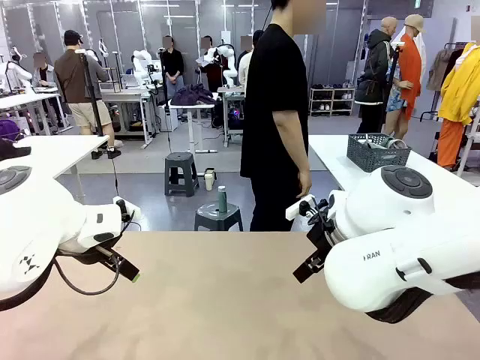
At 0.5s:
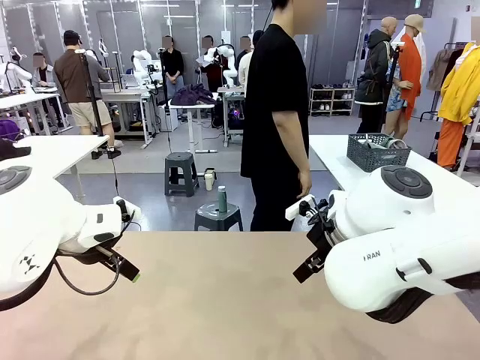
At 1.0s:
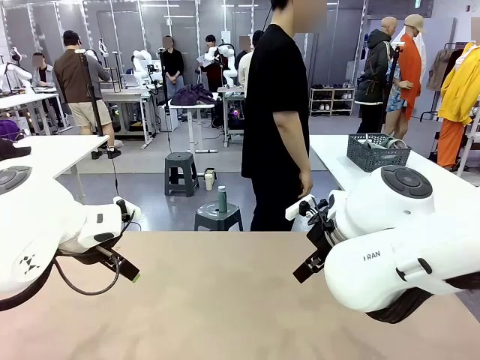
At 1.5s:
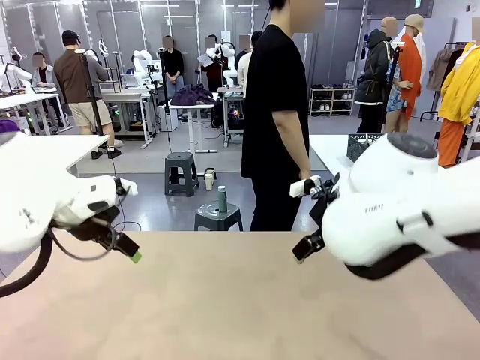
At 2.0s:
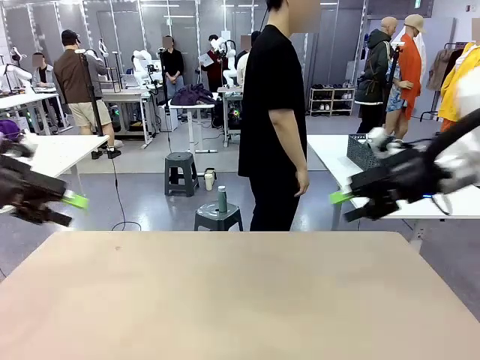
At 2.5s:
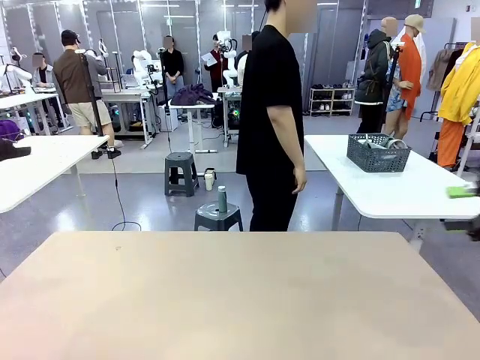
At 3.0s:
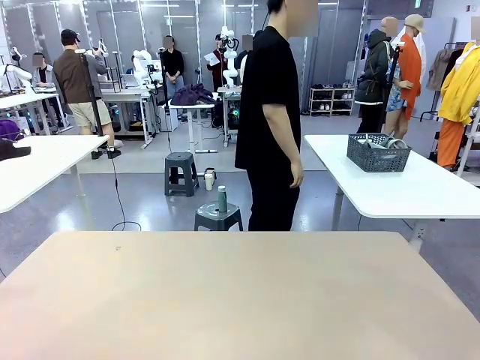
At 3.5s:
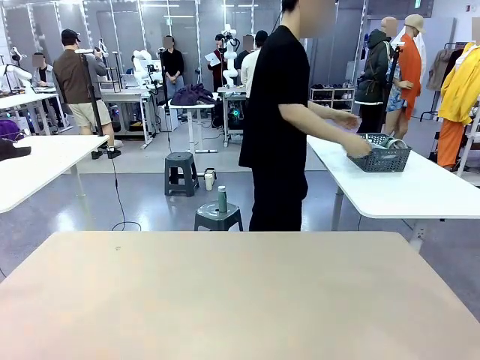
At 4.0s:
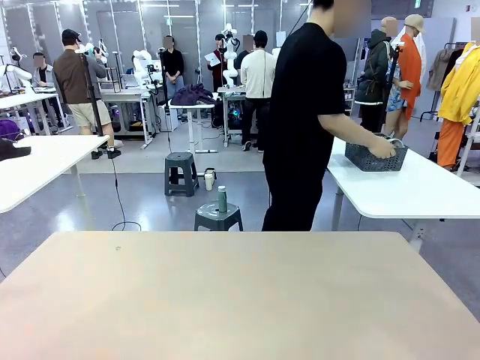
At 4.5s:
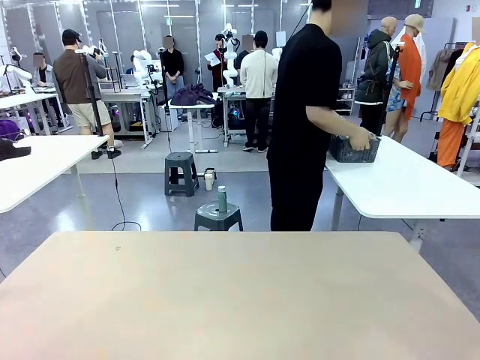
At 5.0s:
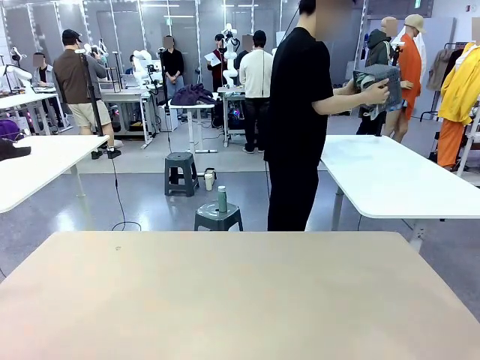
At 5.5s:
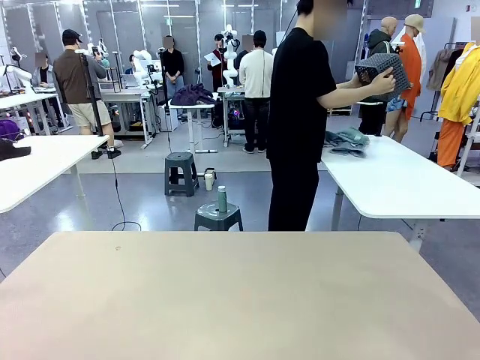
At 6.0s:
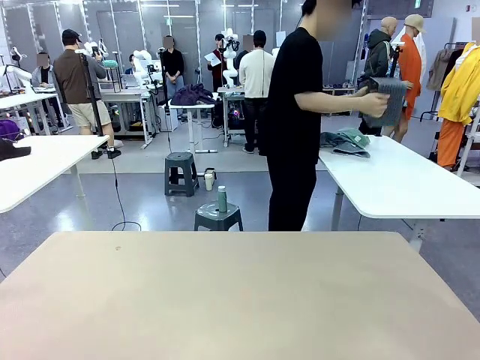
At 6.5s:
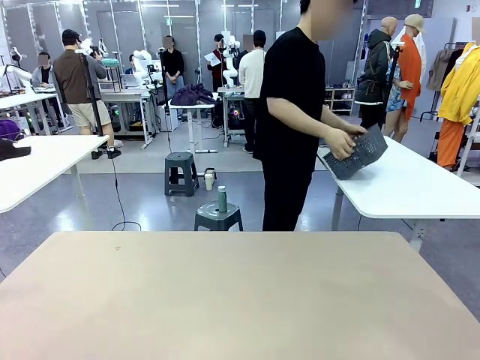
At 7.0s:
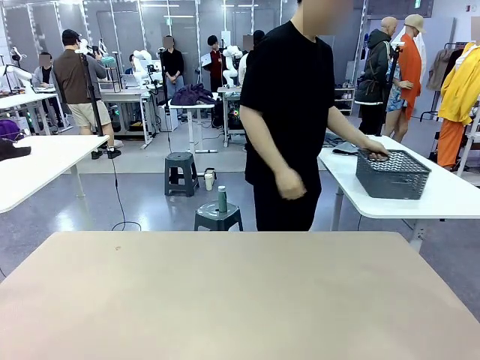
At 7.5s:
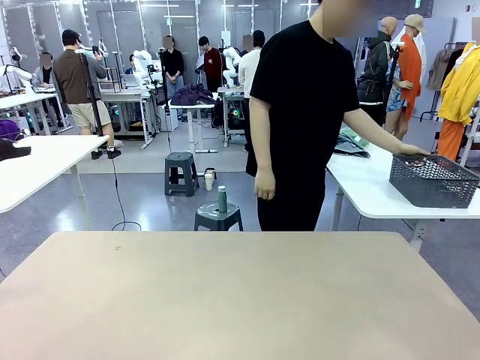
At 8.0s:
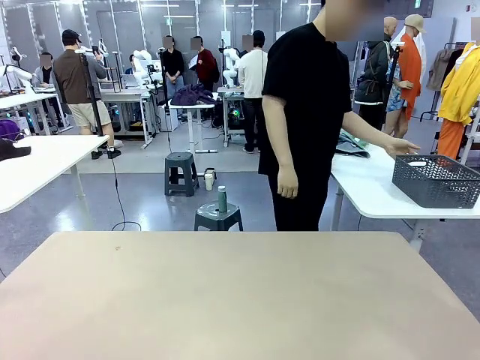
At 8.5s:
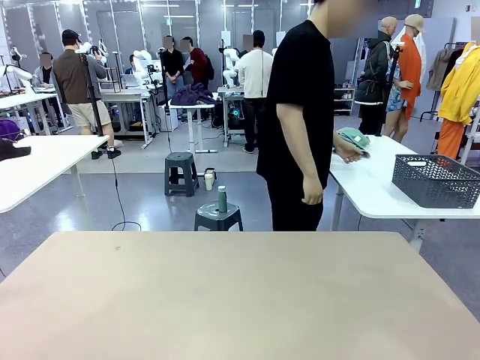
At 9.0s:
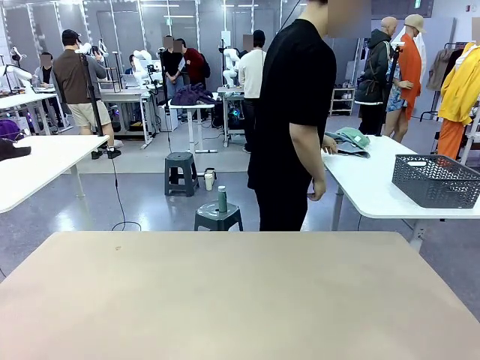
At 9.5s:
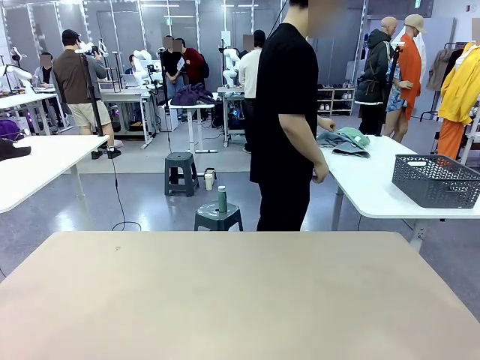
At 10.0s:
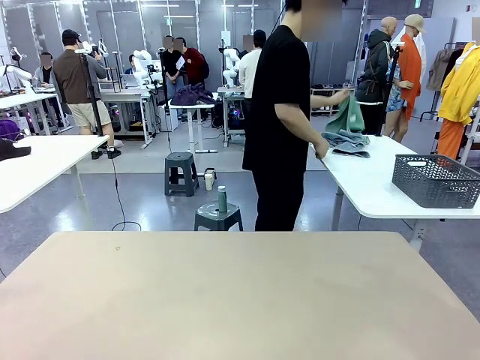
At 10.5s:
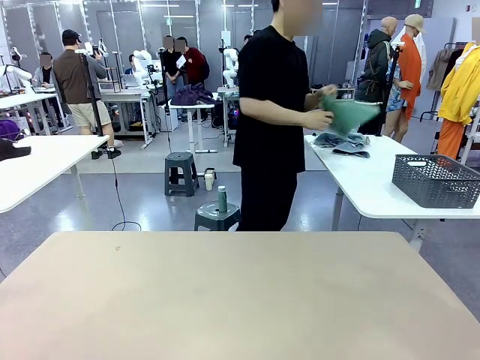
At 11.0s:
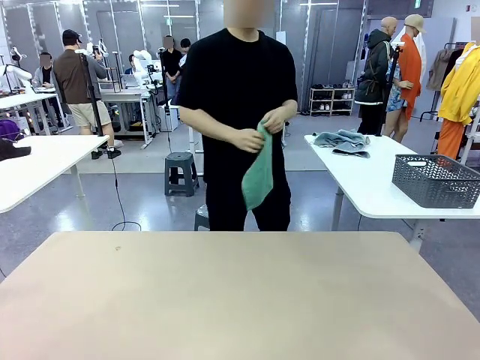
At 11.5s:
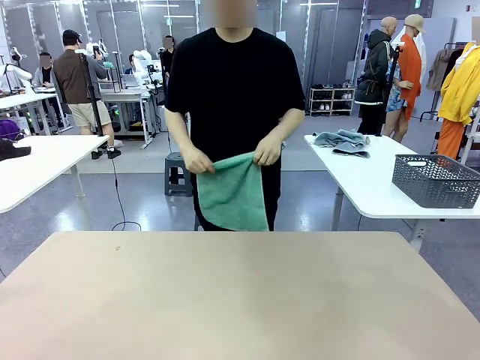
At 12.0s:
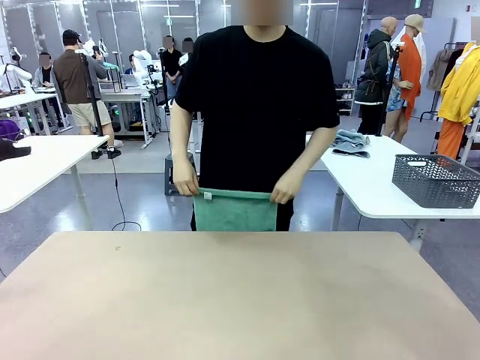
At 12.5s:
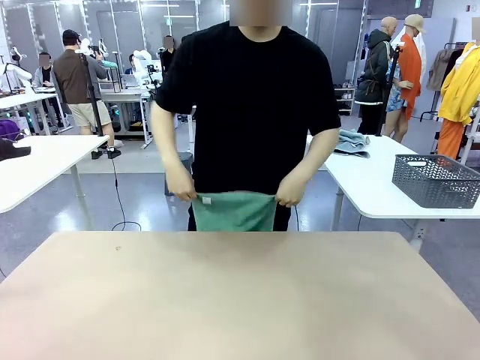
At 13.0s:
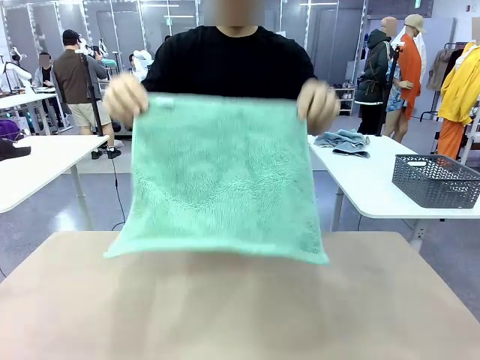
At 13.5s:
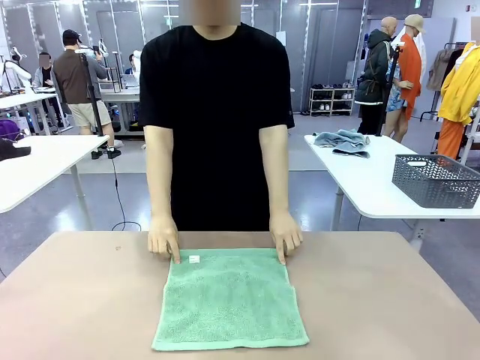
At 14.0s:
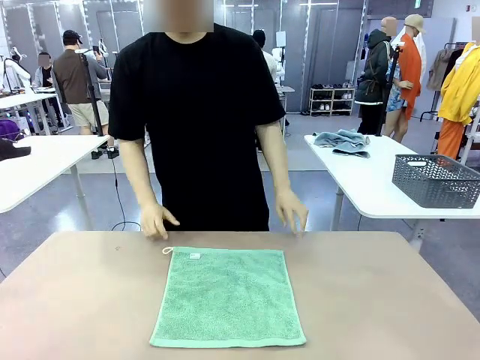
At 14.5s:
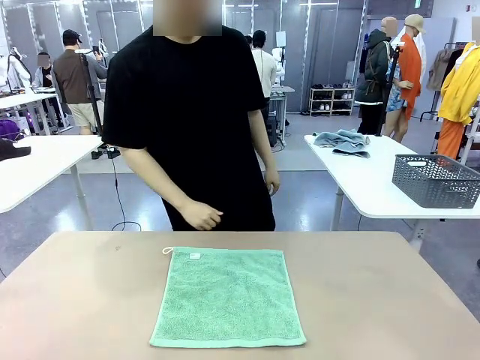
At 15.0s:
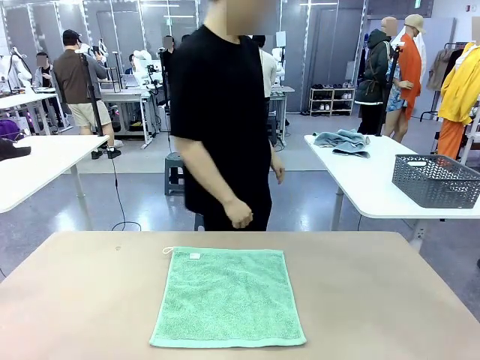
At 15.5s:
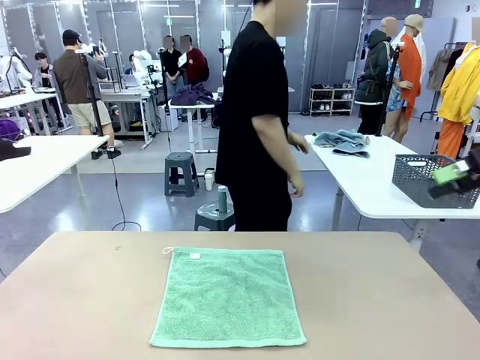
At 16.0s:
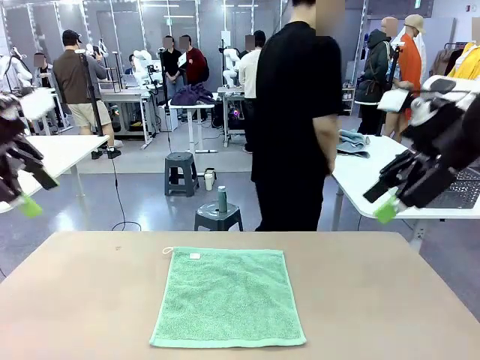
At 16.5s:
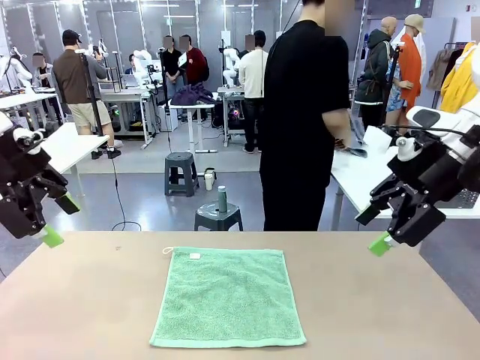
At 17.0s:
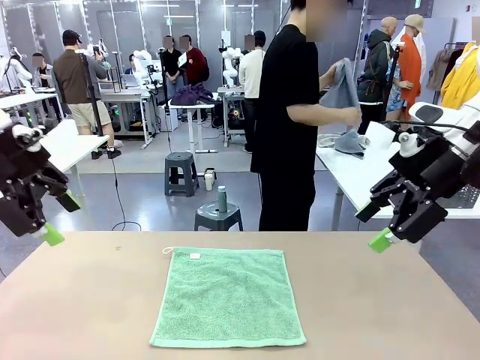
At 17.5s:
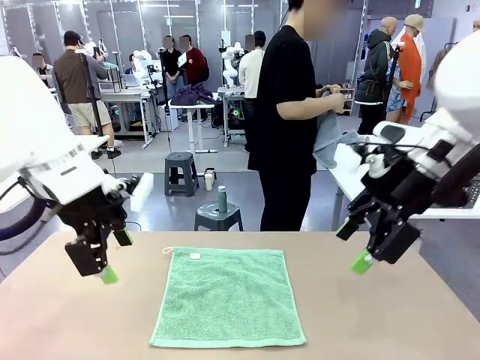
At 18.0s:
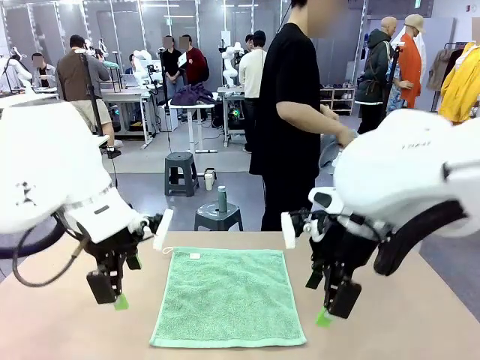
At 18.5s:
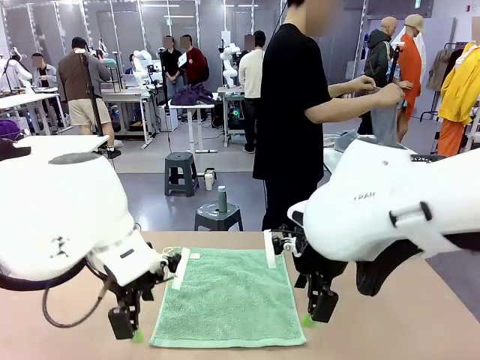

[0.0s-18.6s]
Task: Fold the towels and place them in the basket.
Robot: When a person lays out a Towel with hook on the table, fold it in half twice.
Person: Pick up the basket, pour the towels onto the left side of the human table, and place the basket on the right side. Pick up one towel and spread it out at the center of the robot table.
